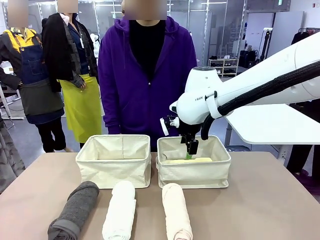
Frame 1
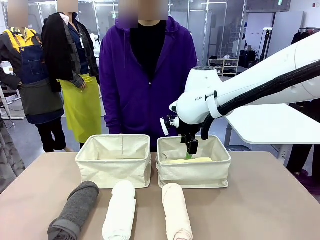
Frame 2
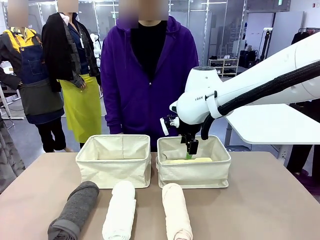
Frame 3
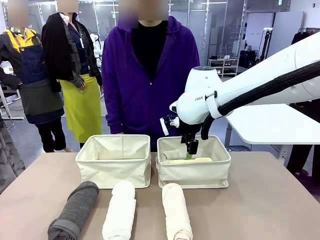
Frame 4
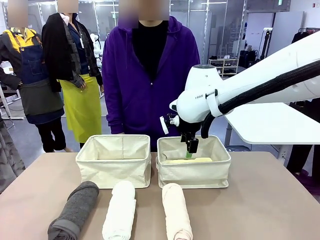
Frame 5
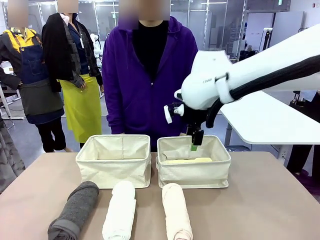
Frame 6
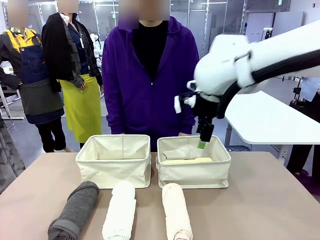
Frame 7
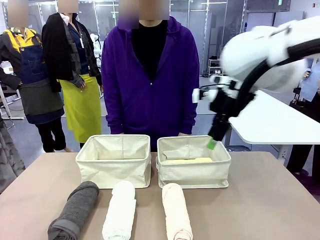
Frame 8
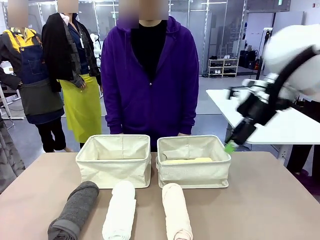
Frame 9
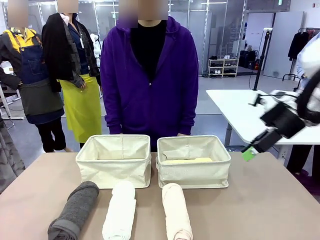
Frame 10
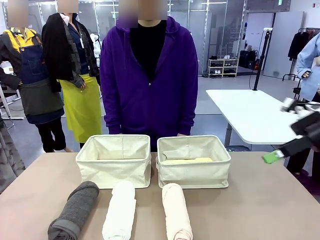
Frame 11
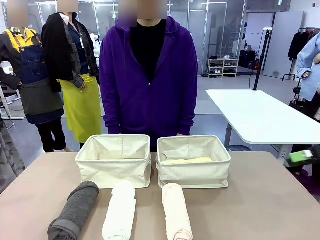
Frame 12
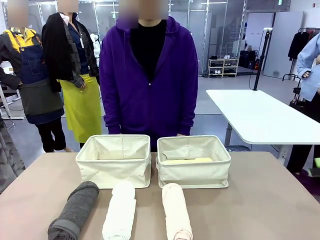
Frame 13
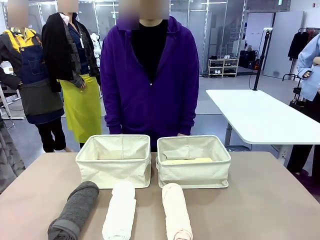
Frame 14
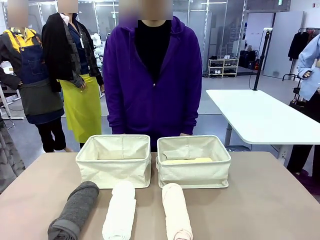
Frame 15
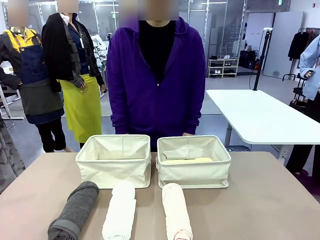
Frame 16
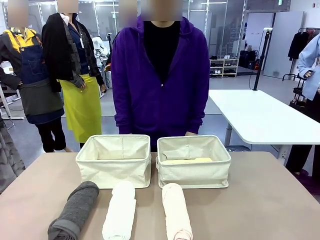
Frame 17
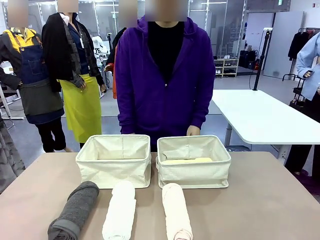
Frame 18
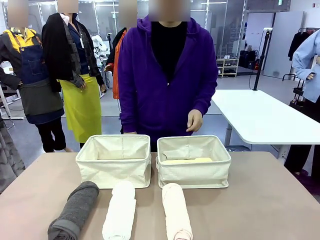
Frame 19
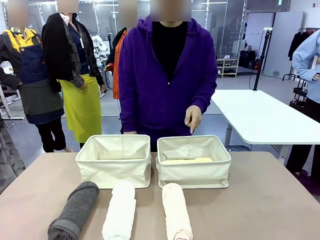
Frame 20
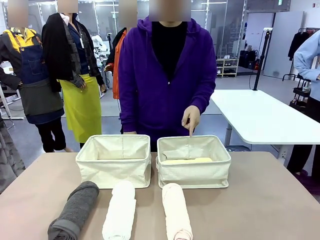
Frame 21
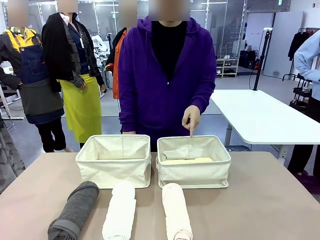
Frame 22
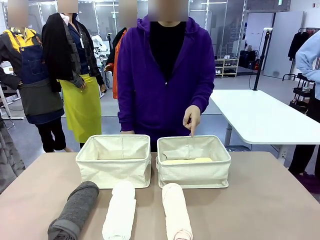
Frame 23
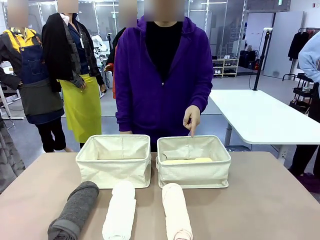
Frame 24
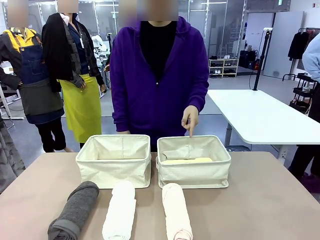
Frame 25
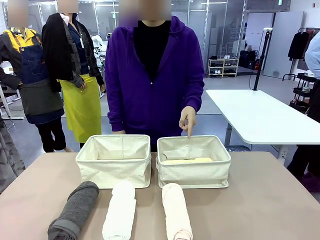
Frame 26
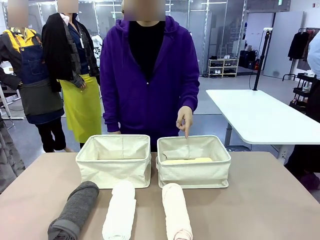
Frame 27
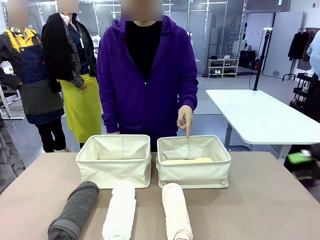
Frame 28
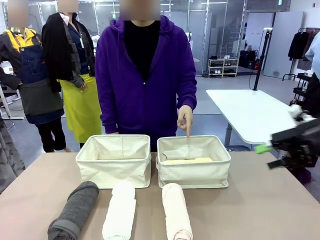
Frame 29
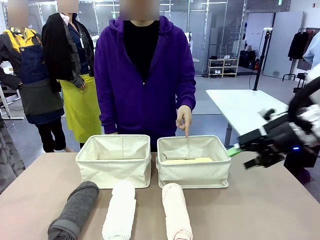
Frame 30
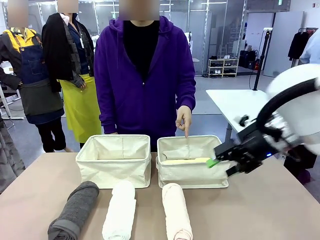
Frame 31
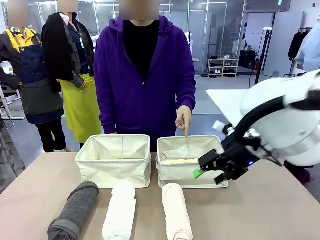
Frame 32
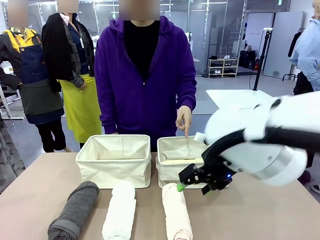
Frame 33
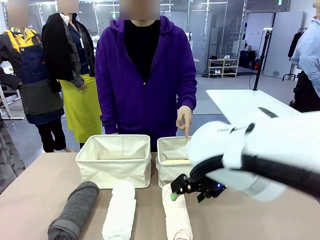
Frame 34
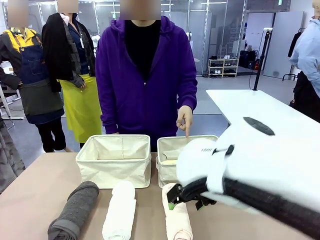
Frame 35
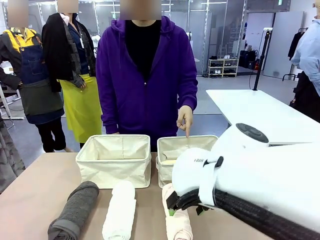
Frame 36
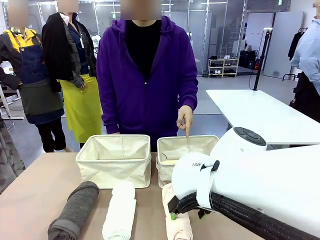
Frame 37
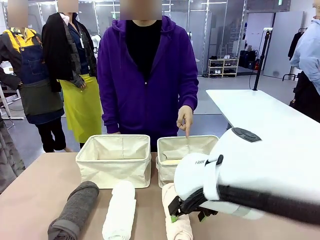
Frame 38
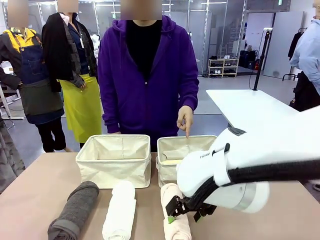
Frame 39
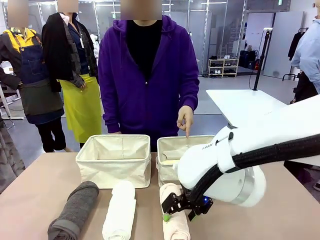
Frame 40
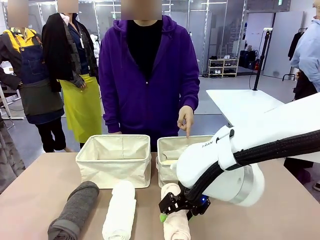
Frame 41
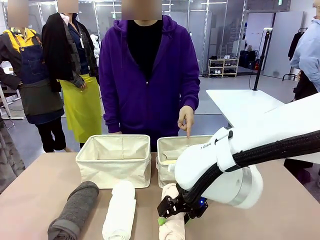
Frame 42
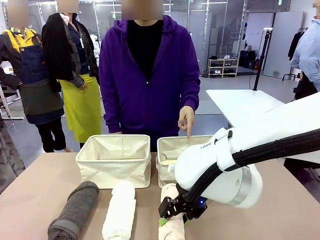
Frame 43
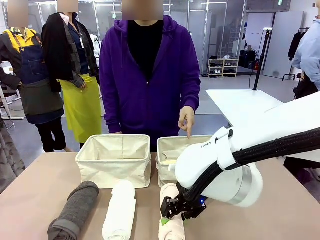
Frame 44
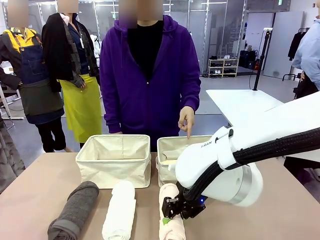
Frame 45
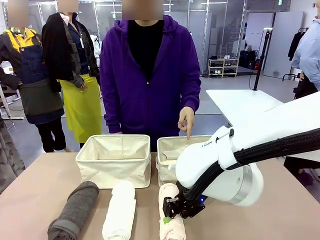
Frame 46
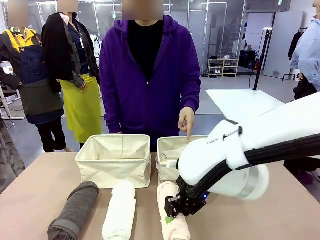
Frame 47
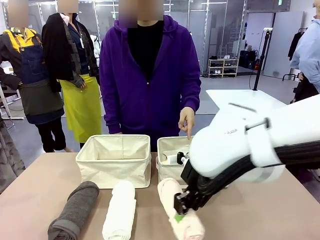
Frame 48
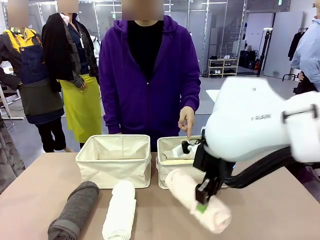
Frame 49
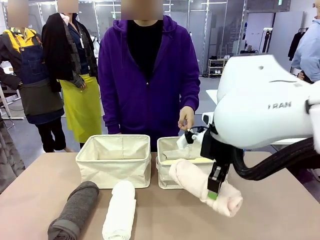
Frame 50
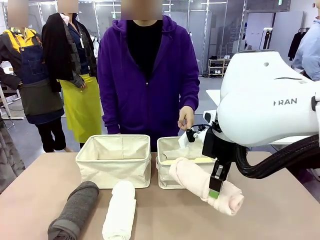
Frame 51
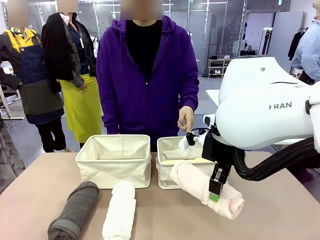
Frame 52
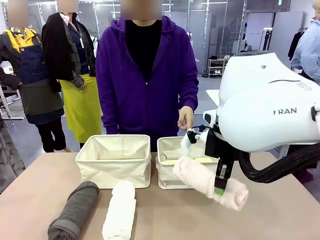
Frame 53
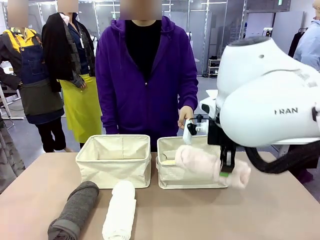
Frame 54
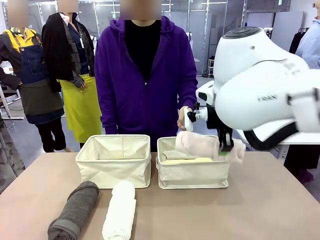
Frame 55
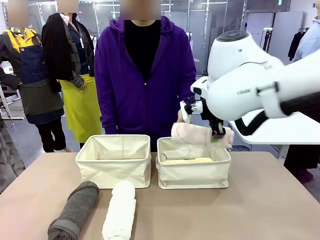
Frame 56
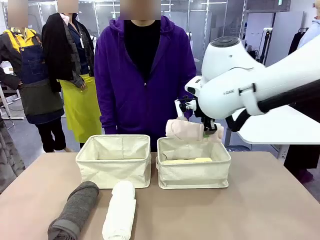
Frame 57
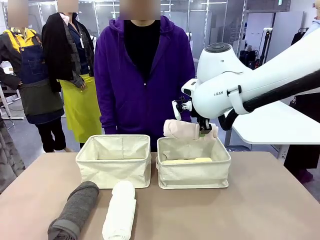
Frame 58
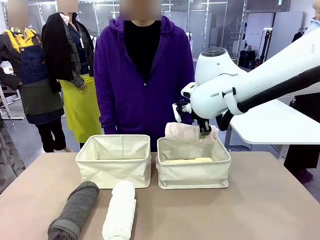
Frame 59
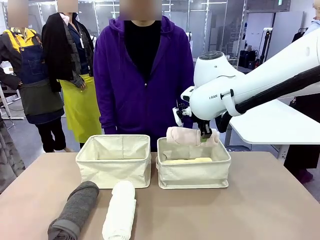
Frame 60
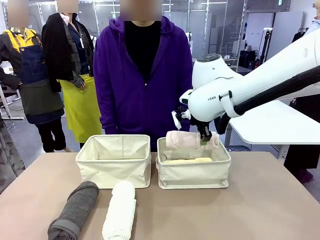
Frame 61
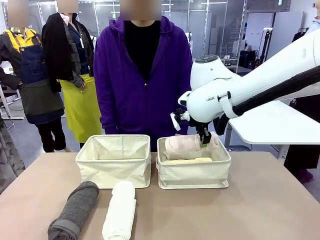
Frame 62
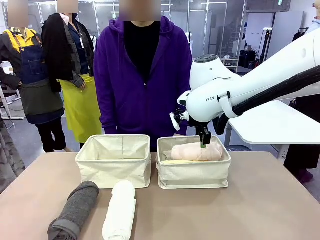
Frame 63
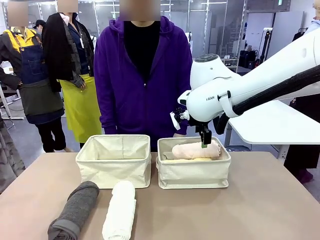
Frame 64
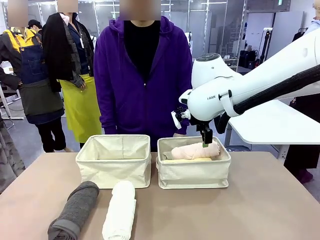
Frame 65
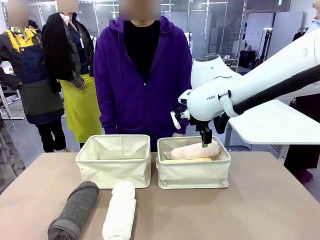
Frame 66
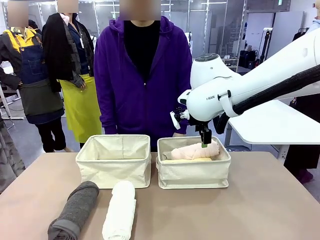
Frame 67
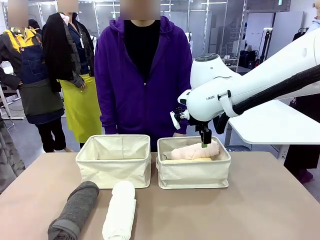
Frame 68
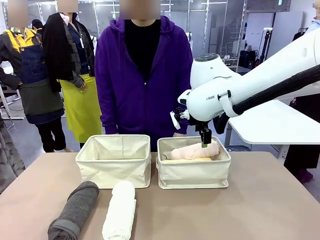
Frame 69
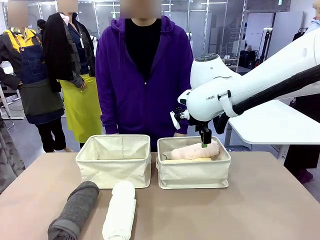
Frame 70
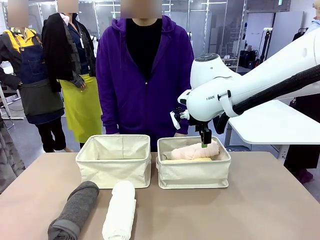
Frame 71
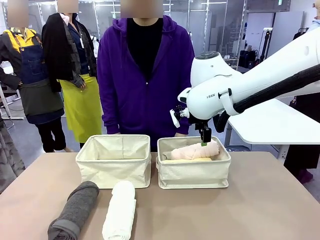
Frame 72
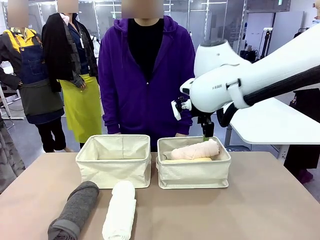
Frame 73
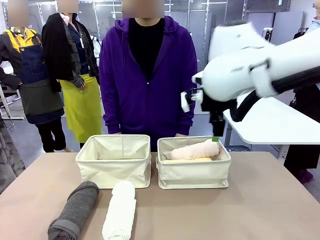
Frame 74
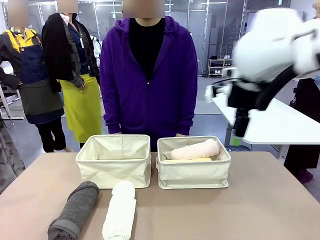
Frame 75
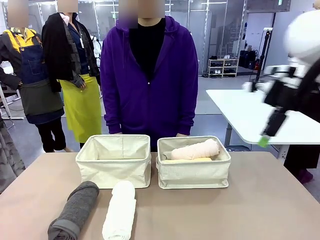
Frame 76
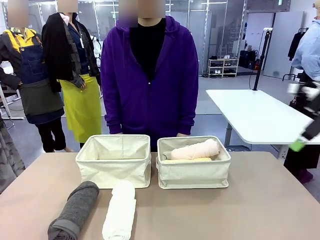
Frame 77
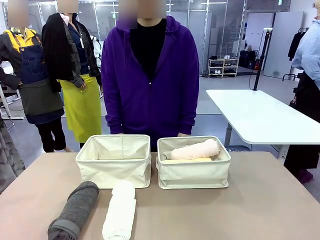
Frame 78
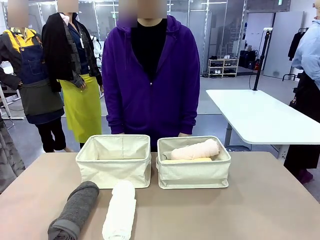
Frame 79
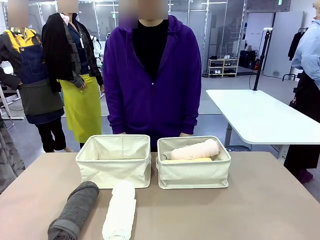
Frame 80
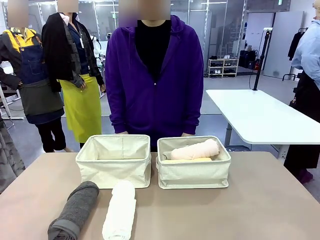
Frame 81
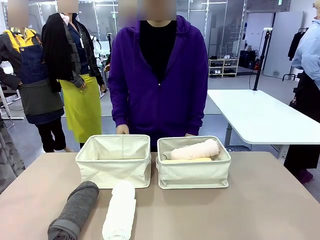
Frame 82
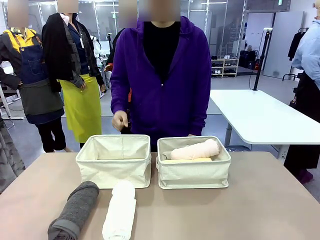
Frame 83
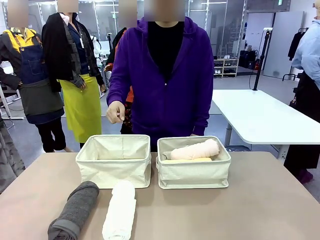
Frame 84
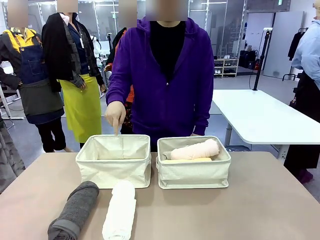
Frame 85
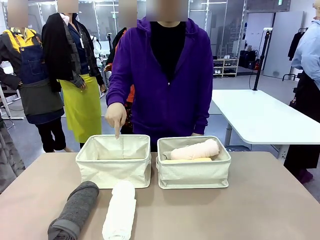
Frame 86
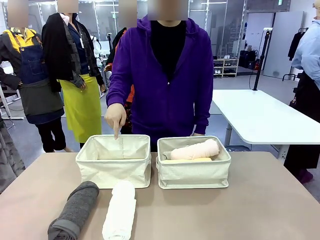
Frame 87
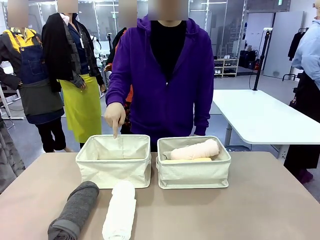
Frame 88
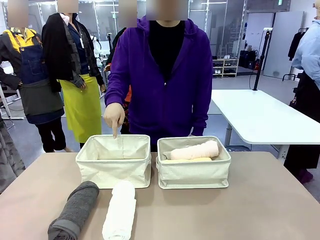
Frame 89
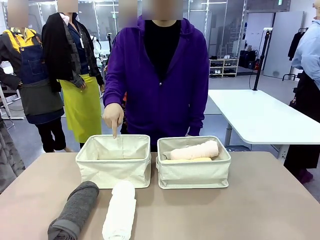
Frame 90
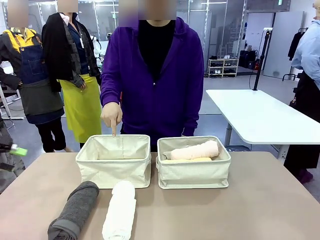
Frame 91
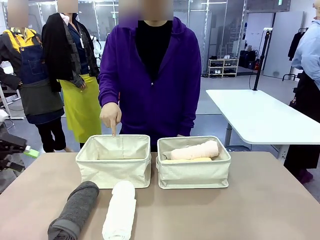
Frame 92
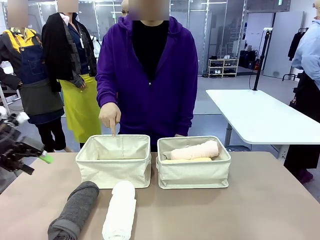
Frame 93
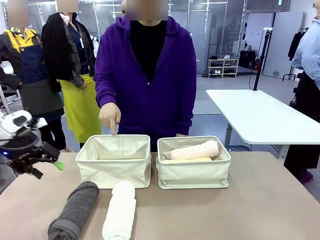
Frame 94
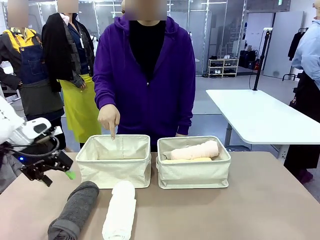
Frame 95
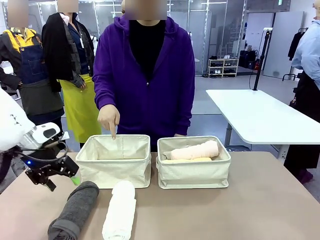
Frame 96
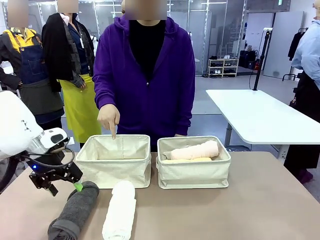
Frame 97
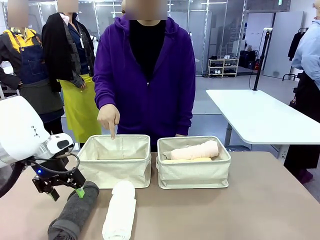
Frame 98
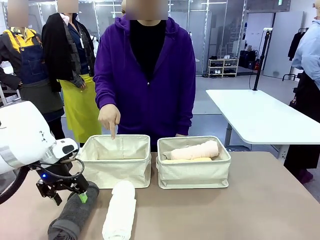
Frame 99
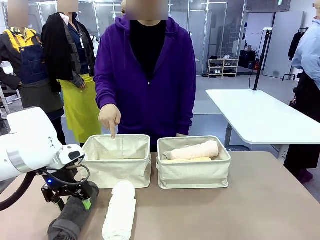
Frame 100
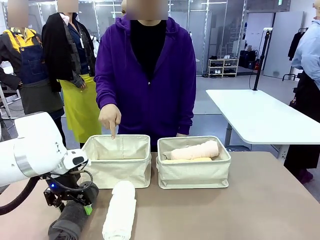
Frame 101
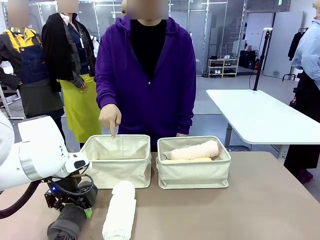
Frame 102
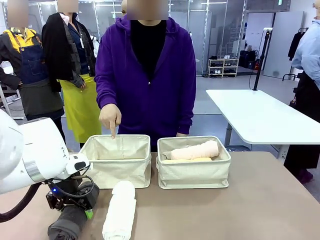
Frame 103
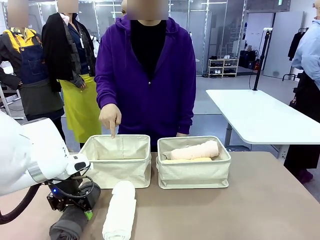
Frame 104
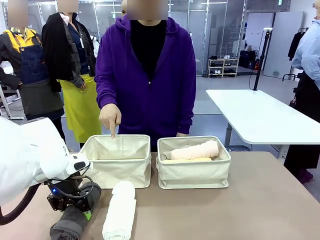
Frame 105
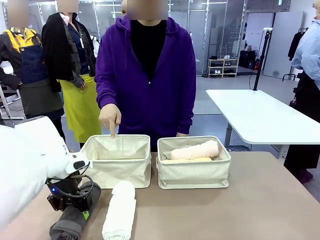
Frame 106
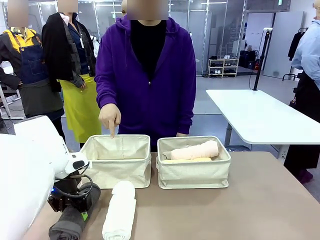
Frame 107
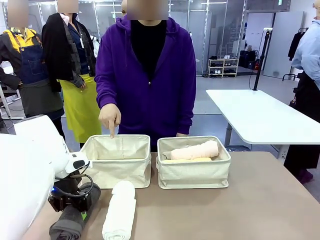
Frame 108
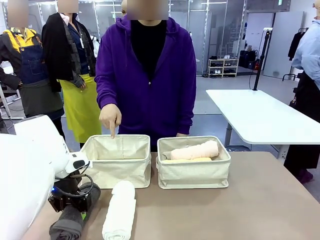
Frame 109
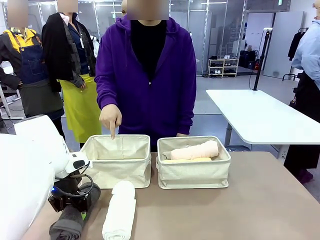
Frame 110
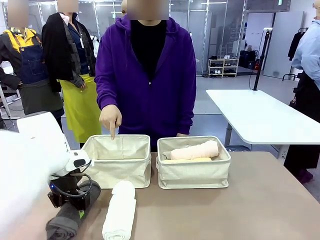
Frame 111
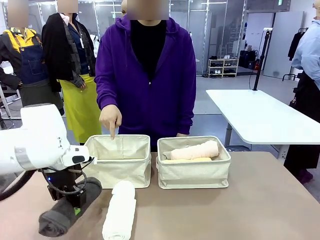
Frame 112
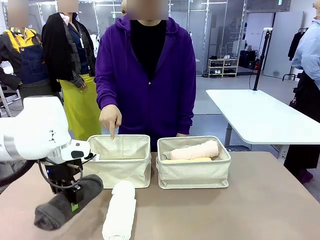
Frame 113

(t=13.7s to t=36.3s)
Task: Divide the towels into two baskets.
Robot: Pick up one hotel-folded towel from the bottom of the table and place it in the Fabric basket indicated by the person.
